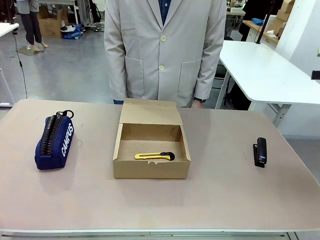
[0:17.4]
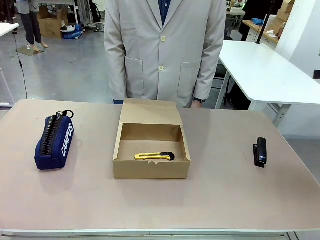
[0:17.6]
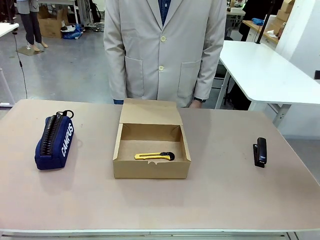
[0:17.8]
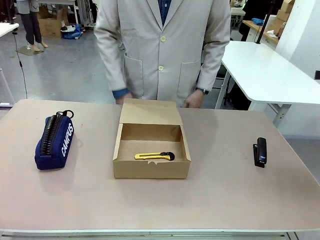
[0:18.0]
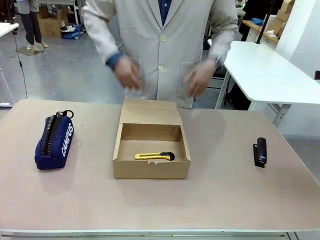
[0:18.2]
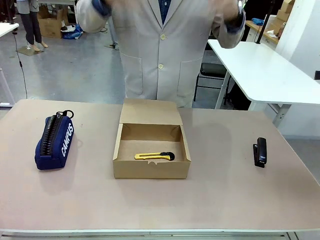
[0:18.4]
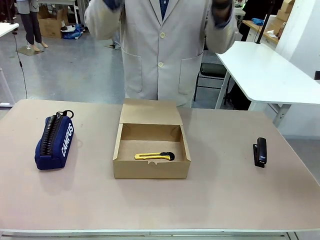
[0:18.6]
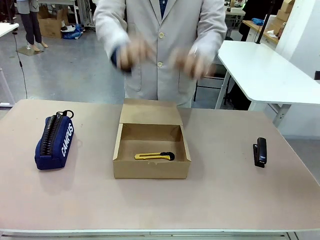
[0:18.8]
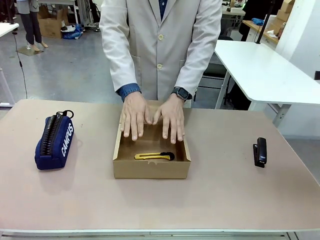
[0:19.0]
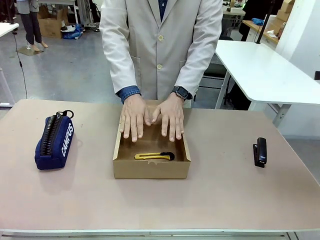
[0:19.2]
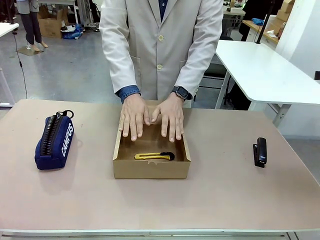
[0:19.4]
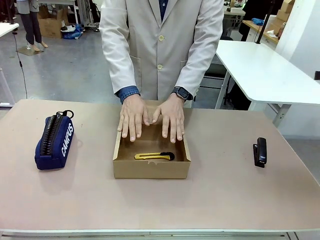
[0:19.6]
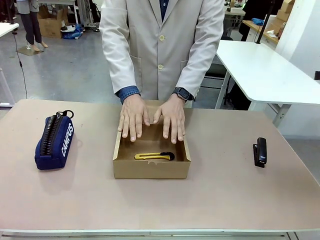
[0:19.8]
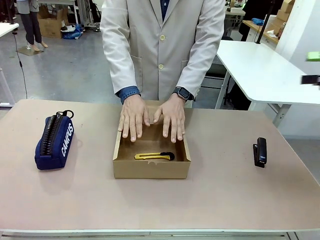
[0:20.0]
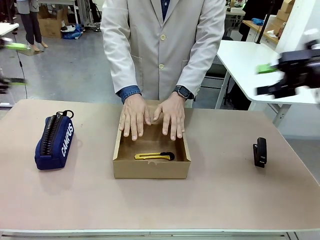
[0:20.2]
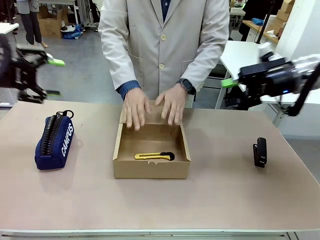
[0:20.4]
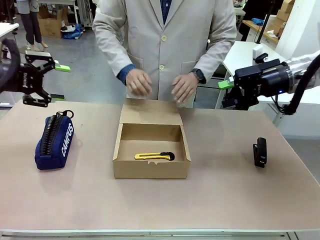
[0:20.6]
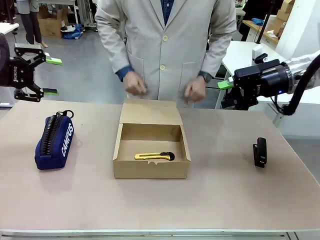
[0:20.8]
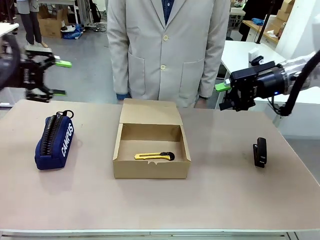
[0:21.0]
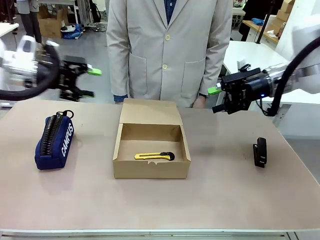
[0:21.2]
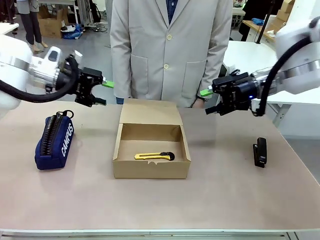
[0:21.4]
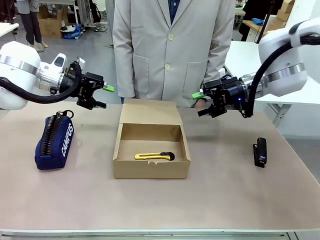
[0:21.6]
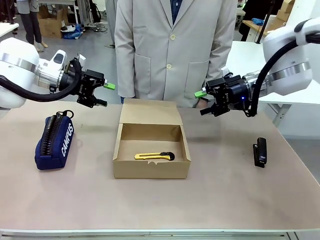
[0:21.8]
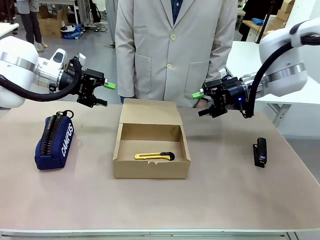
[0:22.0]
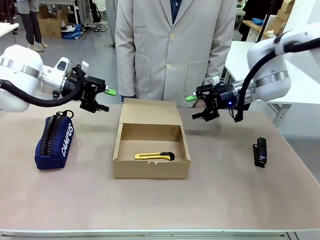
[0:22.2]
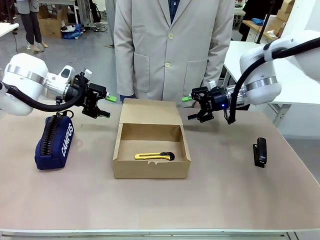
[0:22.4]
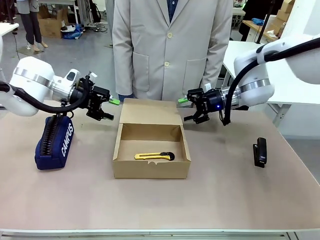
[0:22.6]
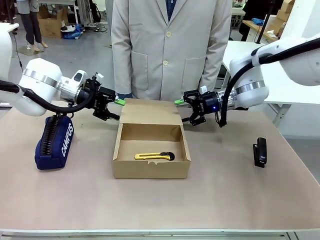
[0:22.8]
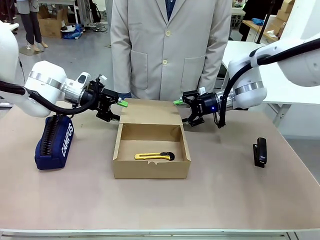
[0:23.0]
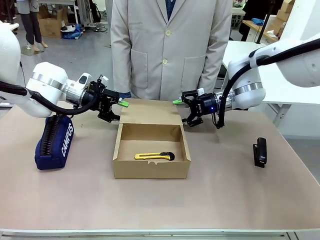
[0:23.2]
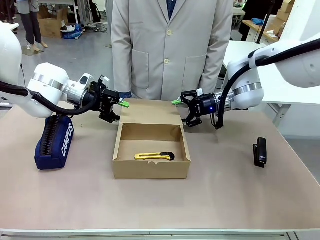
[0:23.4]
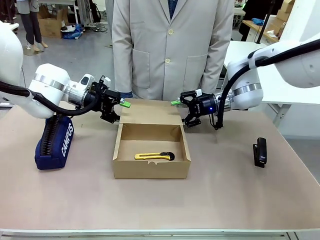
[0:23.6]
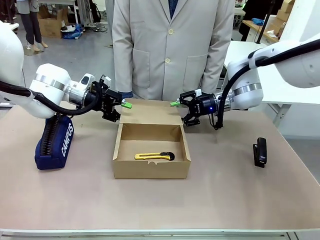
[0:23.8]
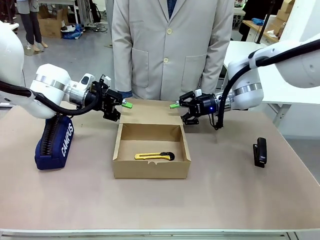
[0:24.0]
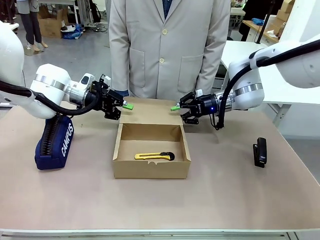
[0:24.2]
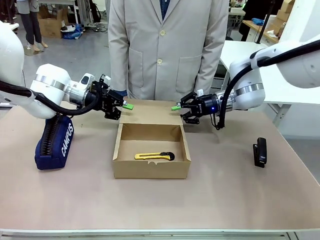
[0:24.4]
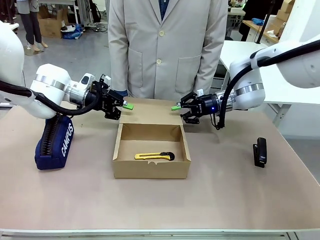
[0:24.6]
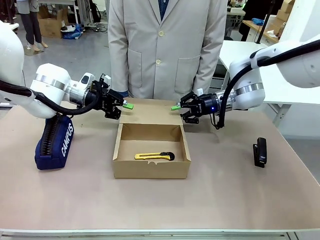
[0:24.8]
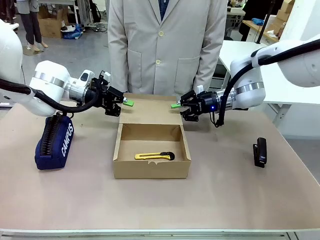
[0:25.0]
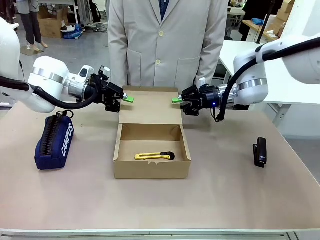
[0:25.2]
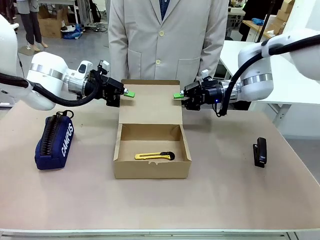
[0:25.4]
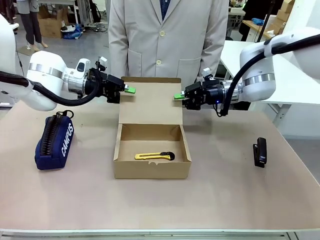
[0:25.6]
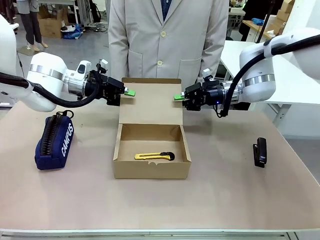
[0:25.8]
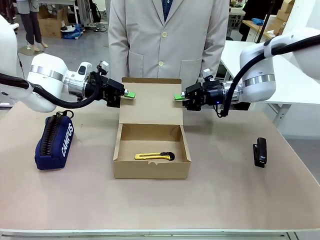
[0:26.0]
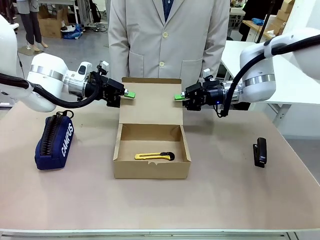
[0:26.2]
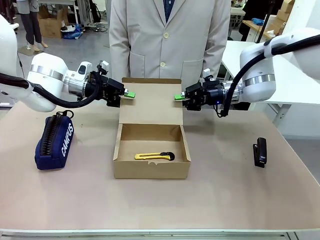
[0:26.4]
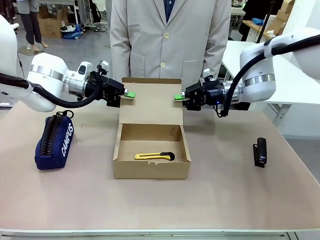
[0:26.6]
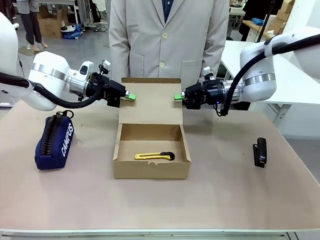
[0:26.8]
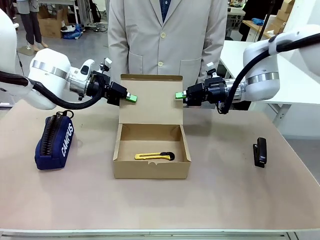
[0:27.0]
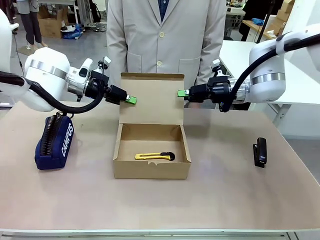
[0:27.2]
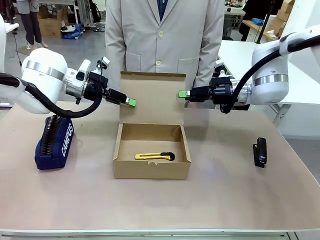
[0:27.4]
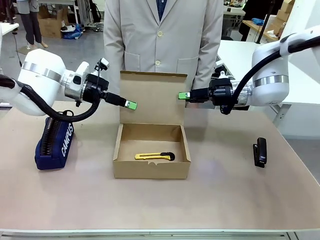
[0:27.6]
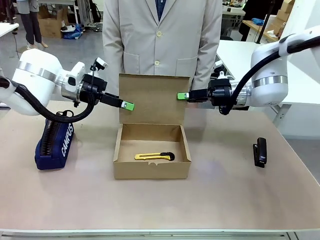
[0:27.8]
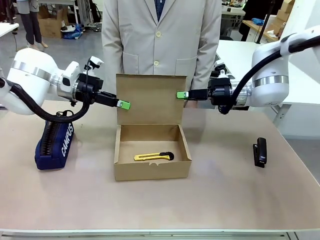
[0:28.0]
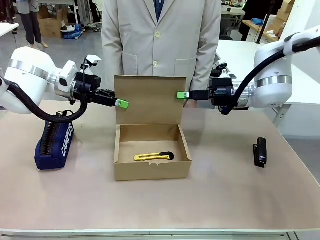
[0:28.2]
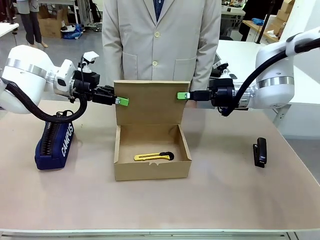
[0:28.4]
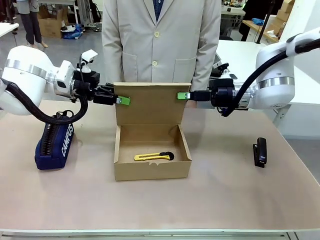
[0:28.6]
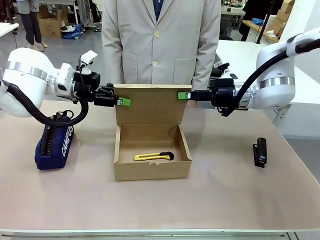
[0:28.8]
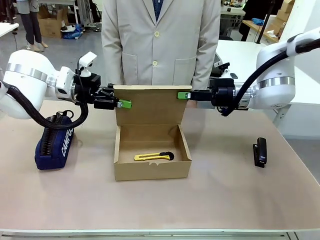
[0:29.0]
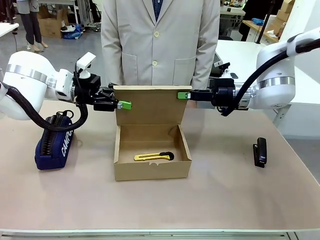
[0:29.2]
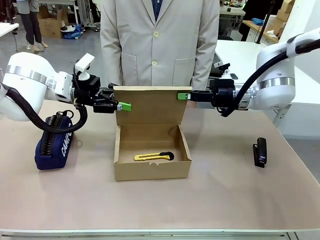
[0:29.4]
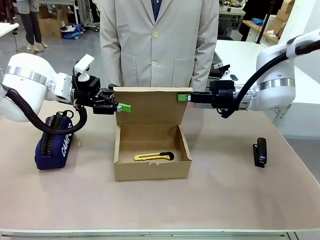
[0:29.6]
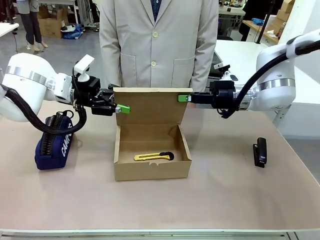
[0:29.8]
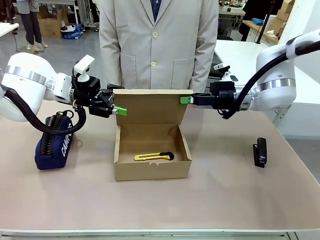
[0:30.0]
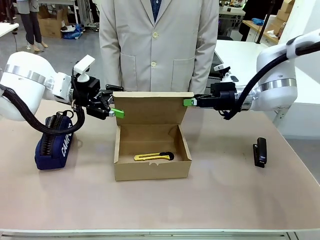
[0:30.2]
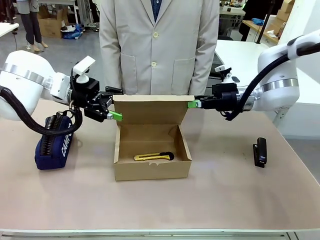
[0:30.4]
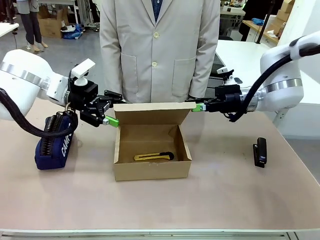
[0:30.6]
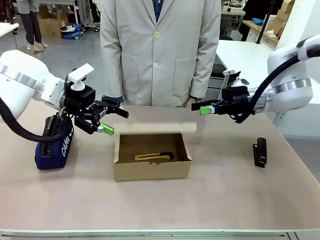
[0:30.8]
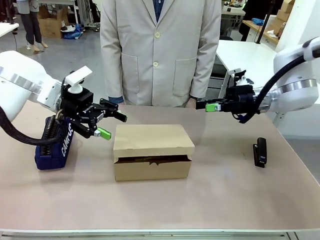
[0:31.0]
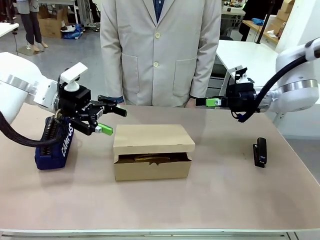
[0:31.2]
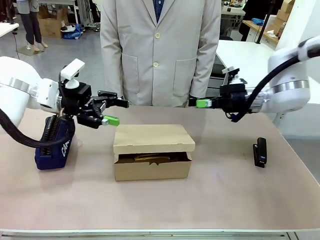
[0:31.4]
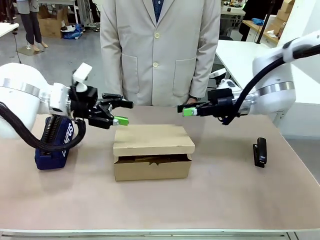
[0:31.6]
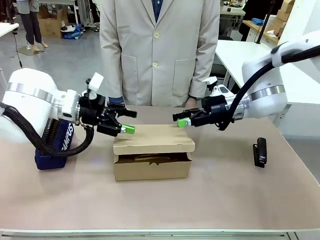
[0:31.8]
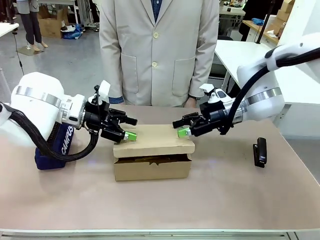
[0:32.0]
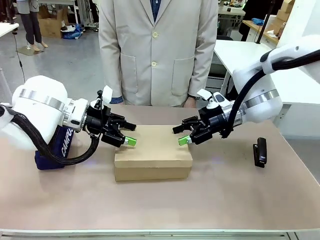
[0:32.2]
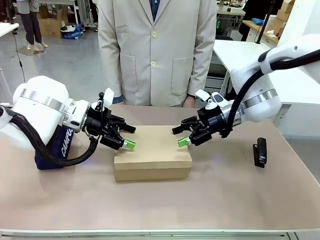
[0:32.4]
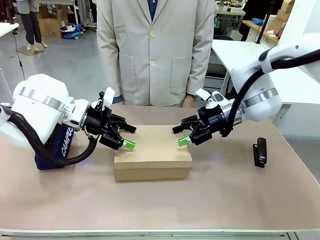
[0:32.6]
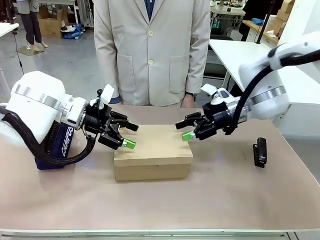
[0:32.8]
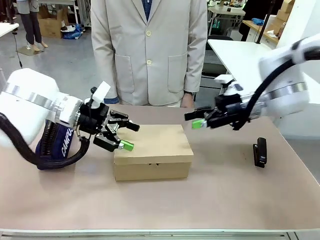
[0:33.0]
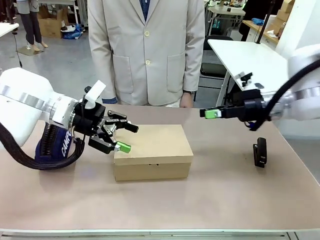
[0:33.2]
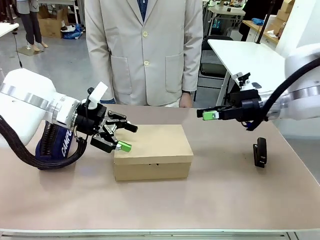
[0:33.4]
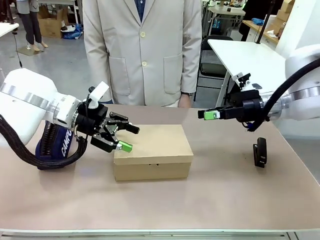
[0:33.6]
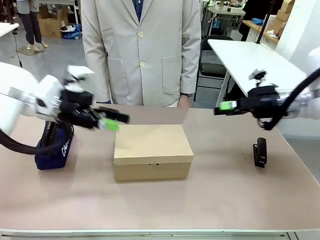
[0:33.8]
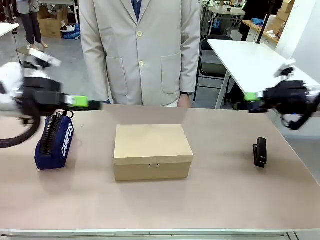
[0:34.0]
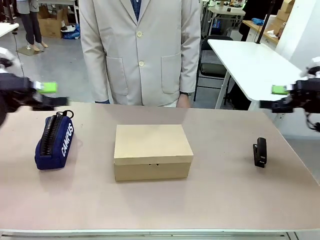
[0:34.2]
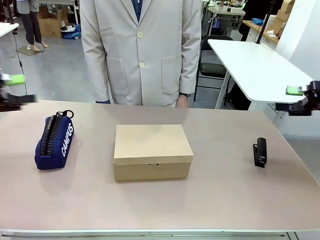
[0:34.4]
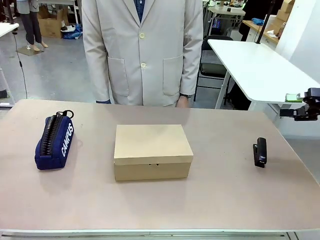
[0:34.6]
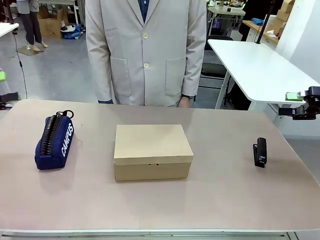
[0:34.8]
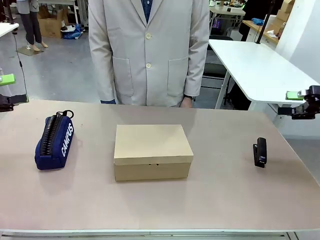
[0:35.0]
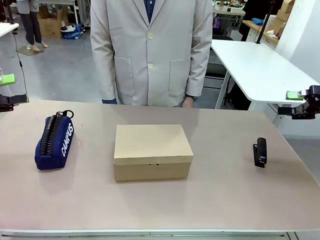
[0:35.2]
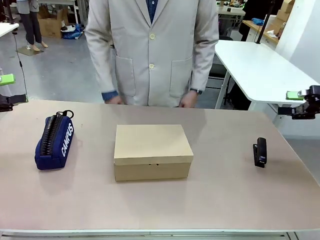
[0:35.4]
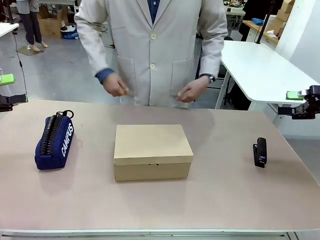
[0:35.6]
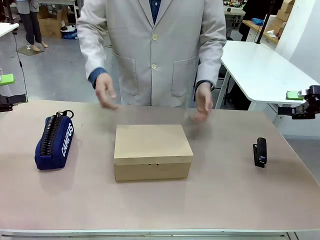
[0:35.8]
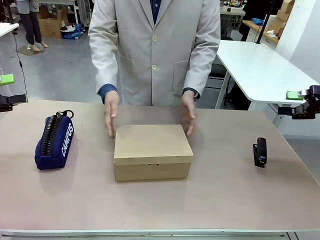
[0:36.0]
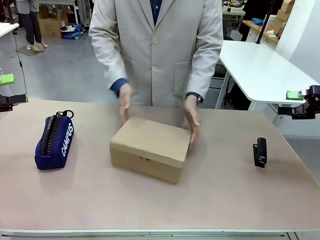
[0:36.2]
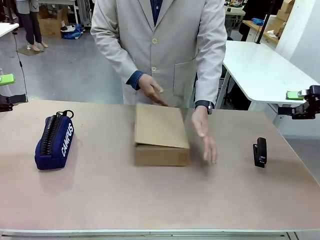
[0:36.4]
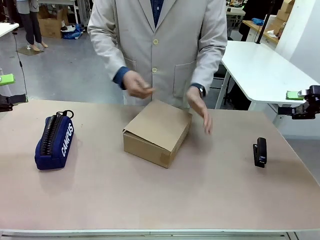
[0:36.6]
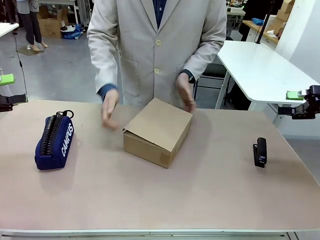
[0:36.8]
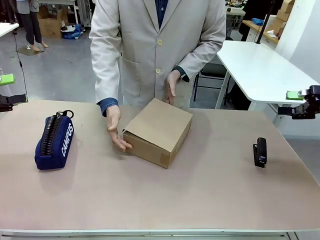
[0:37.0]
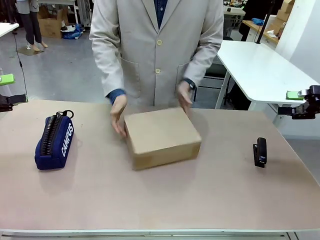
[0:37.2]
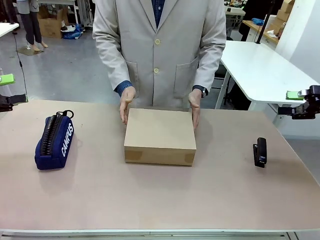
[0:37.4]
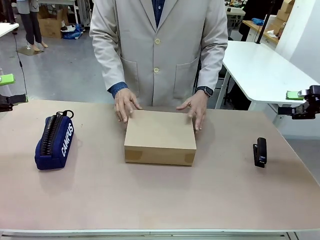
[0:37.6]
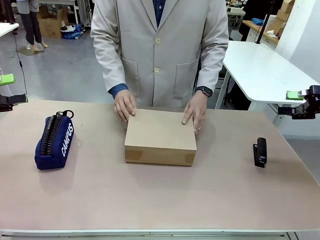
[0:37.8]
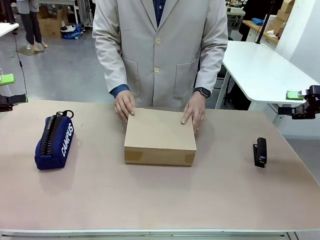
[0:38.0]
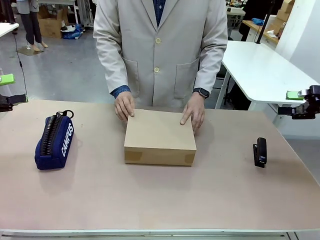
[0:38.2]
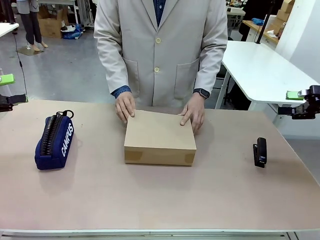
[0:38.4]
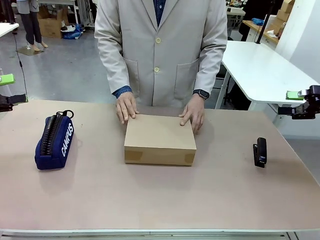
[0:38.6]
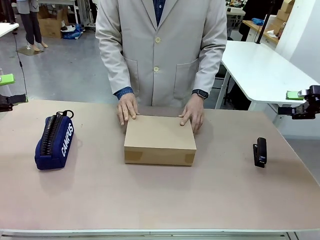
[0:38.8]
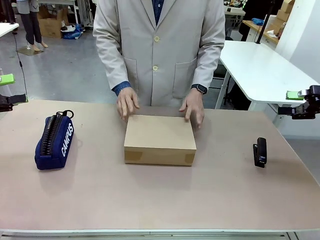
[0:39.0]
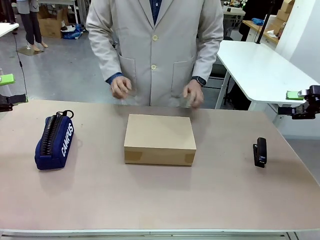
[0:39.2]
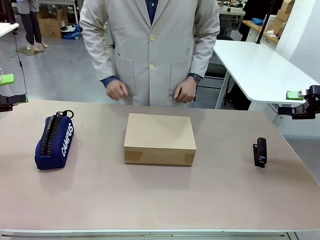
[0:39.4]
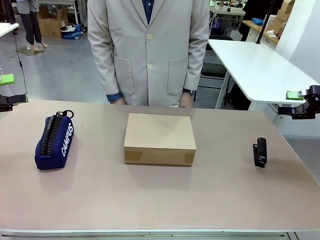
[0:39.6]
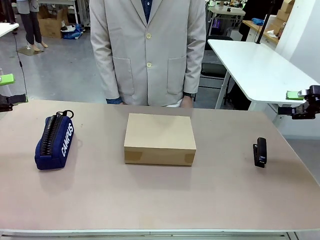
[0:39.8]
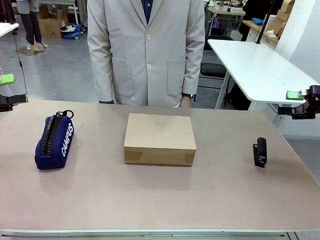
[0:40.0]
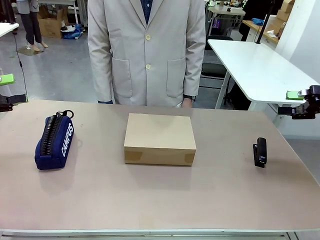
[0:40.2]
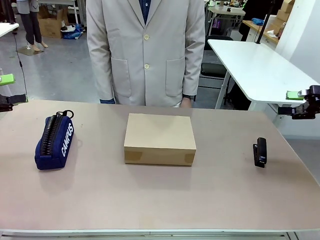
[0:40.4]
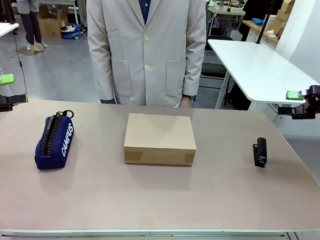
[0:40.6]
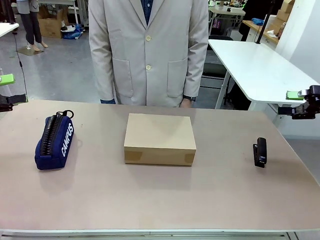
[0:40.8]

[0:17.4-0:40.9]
Task: Pack the item into the box.
Robot: Close the Mailer Box.
Person: Lower both hands vertically with palms facing downward, as if pressing something closed. Turn the box and lock it.
